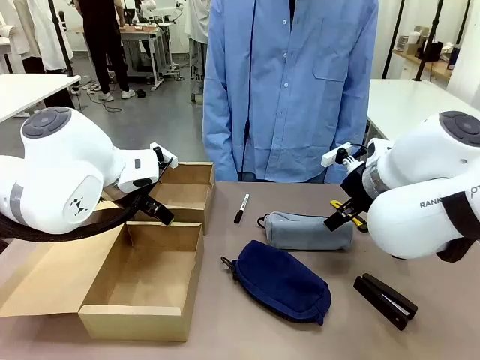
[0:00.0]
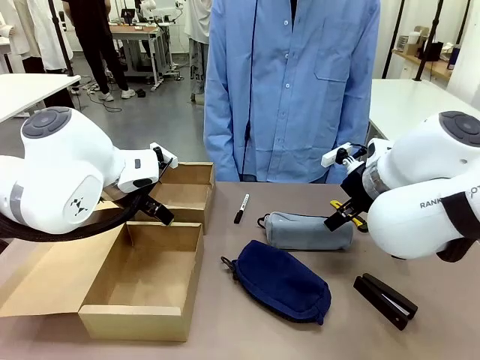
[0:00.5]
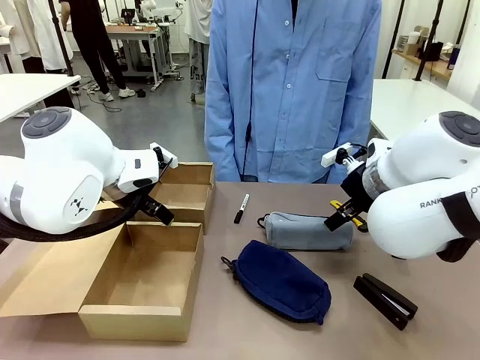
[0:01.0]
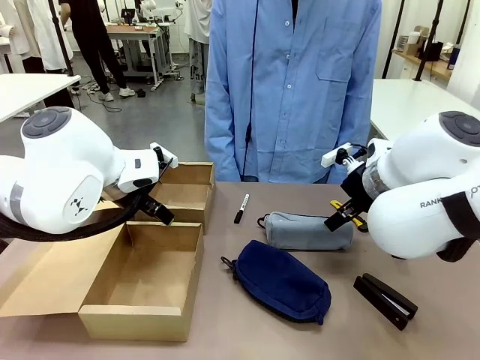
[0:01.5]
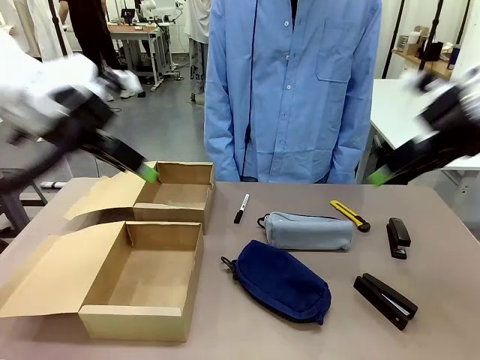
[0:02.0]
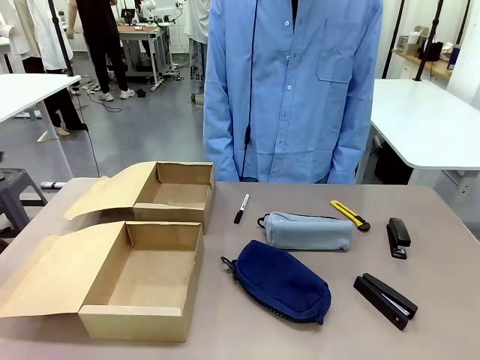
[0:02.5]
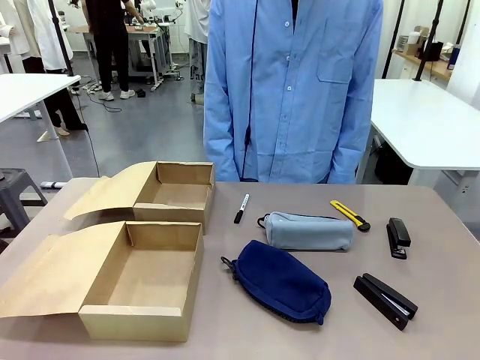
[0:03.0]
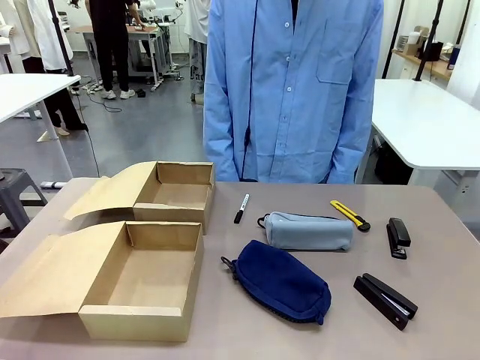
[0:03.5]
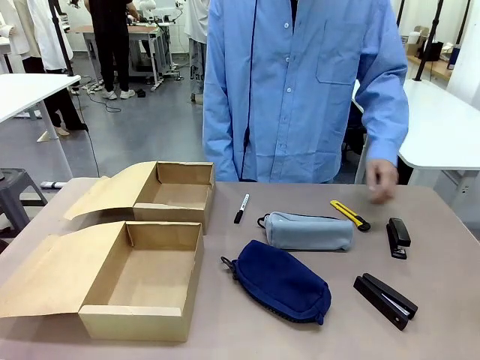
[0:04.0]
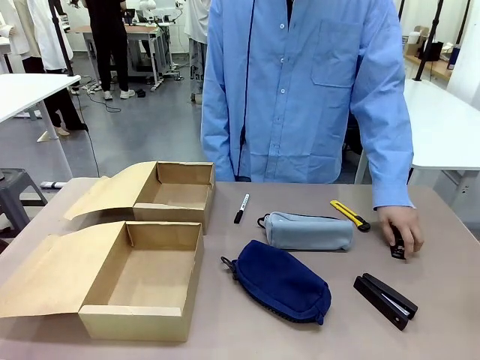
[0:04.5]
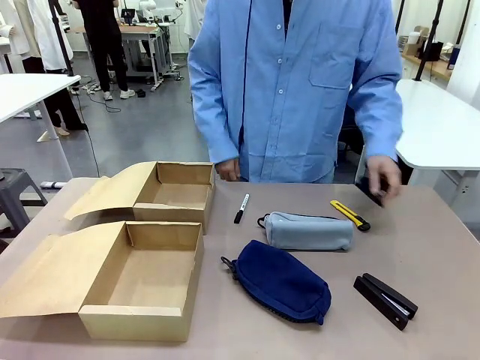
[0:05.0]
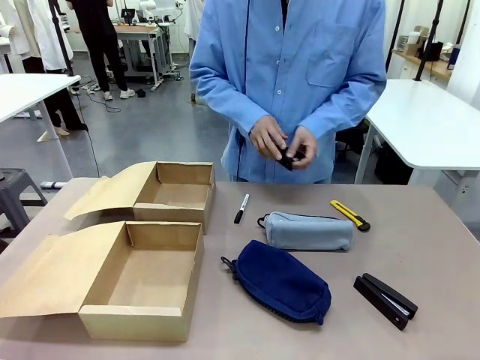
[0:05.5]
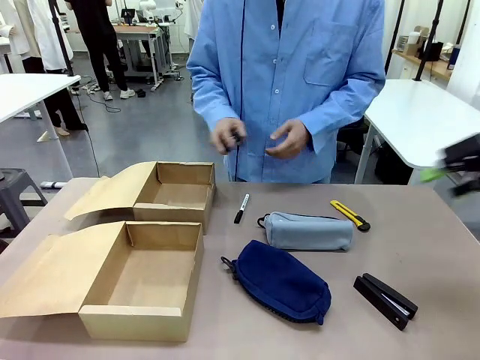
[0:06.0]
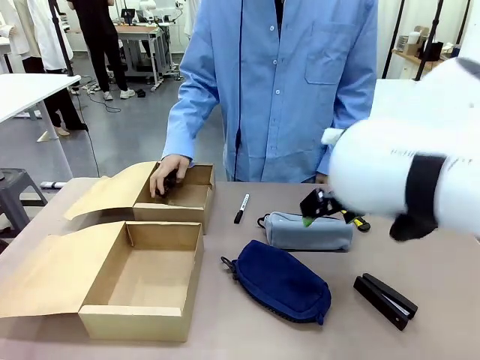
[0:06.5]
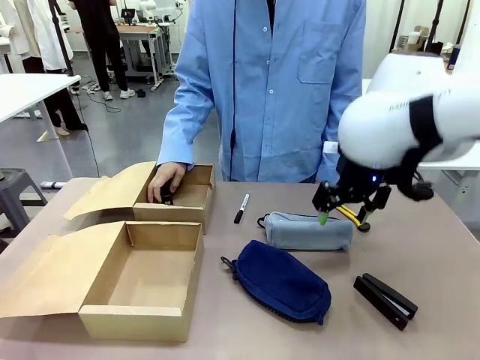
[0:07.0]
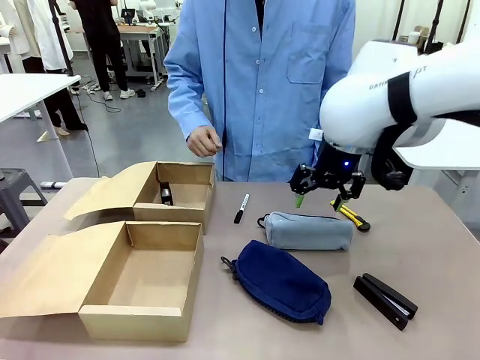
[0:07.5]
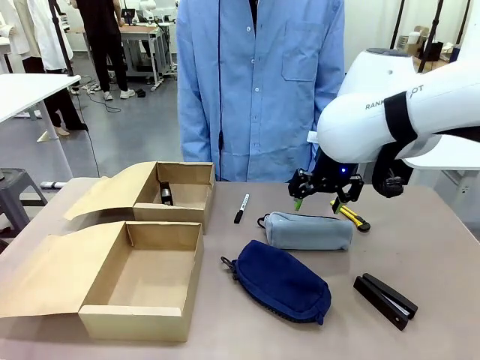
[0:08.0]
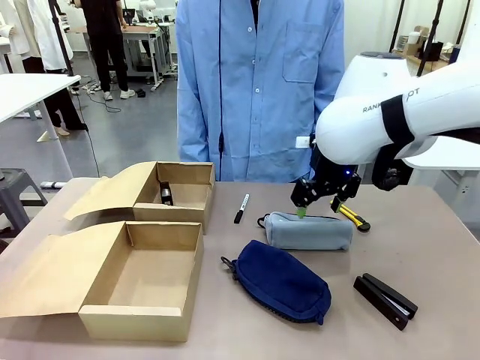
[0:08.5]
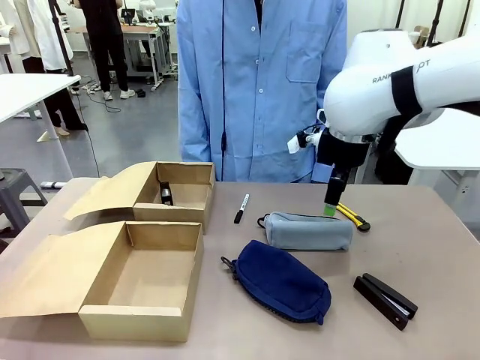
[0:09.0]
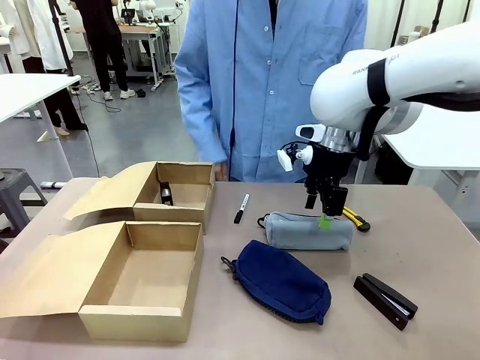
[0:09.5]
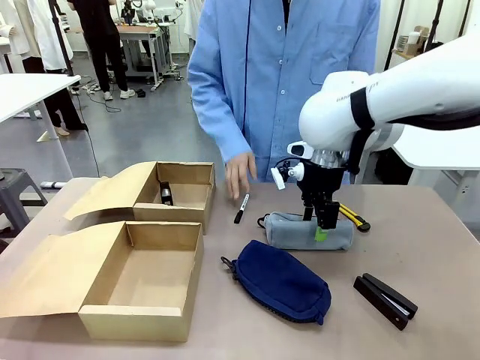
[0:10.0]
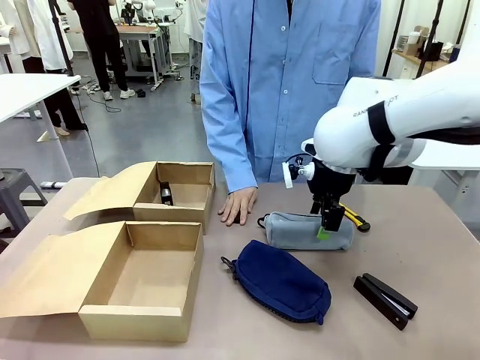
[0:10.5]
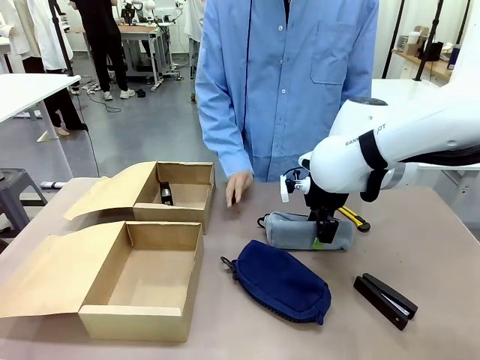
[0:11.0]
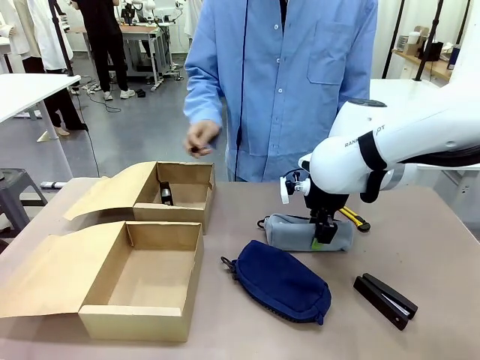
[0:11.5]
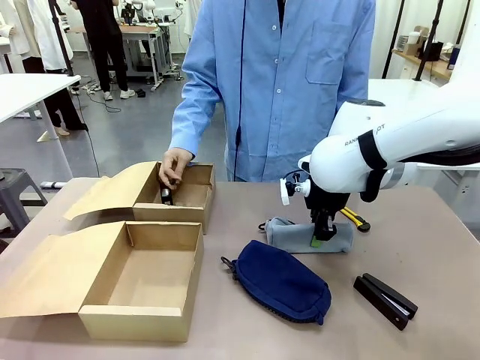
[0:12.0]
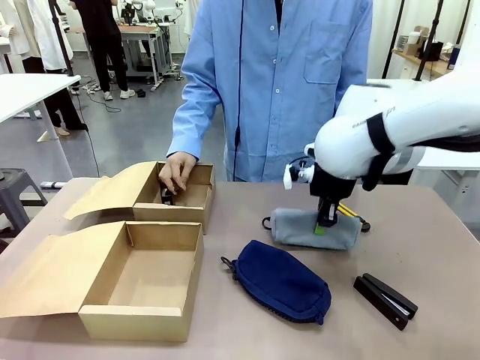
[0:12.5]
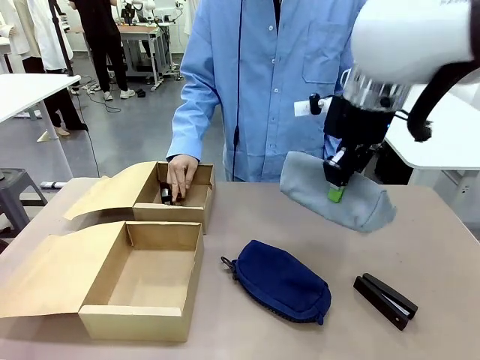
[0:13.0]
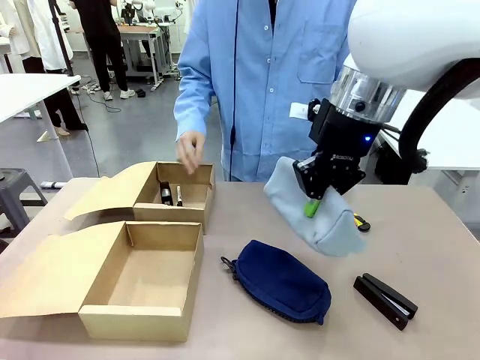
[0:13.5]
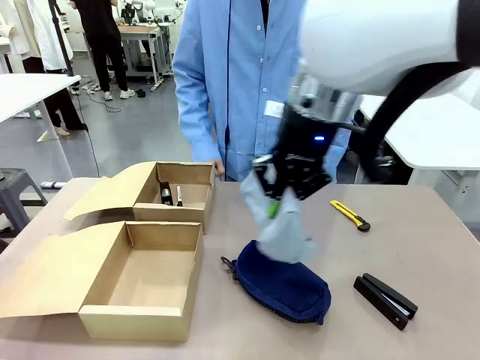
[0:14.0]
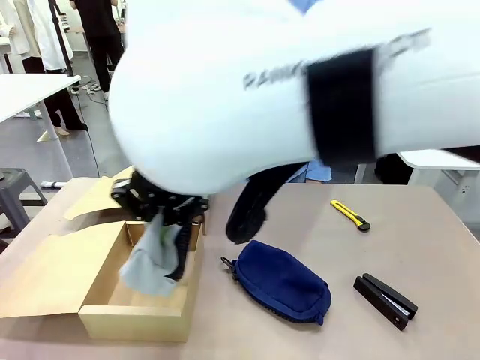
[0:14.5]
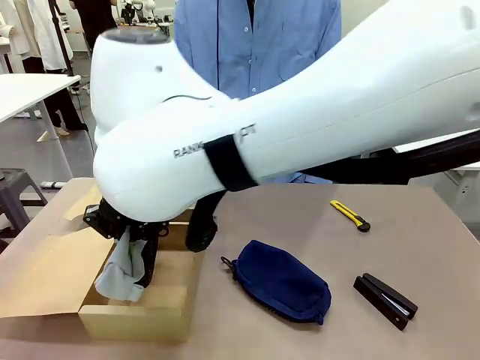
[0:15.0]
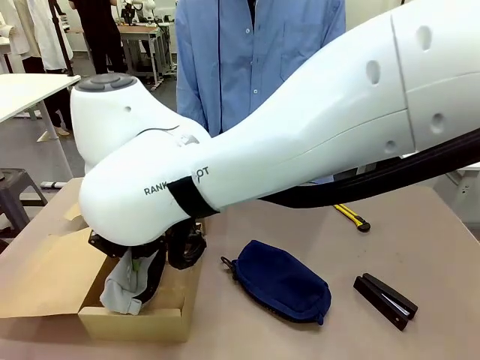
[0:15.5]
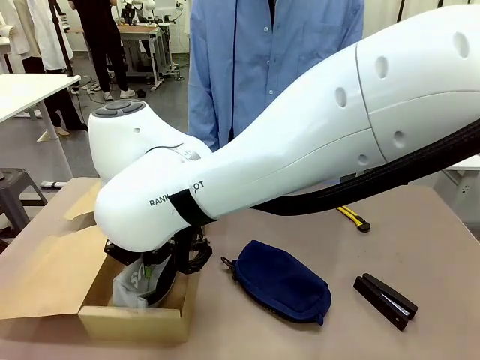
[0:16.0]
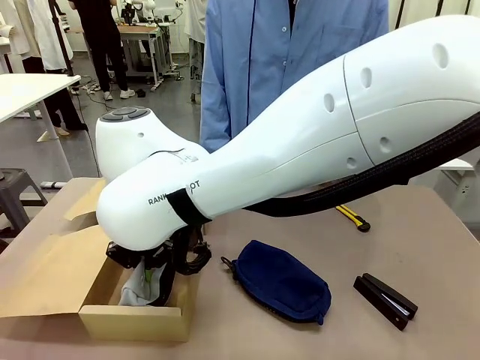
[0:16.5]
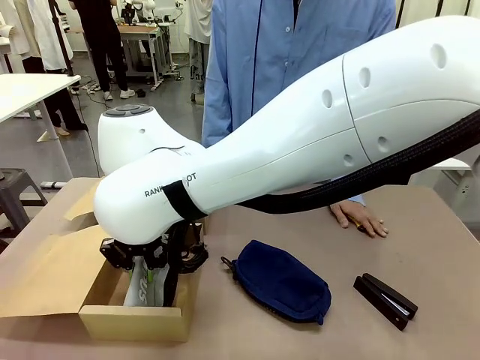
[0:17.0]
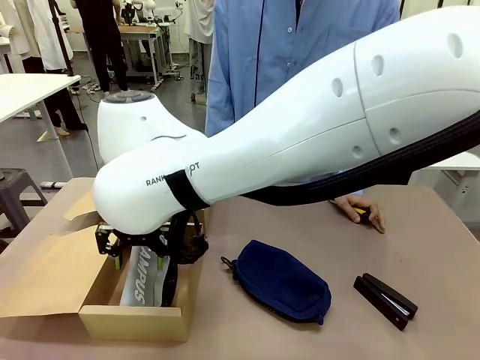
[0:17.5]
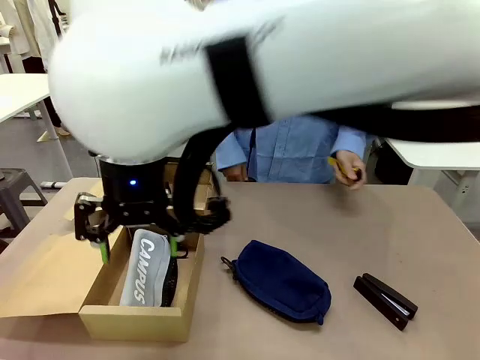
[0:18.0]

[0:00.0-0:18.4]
Task: Place items inside the box.
Robot: Pick up a Pencil pouch or Stapler and place it inside the Mailer Box closest to the robot.
Person: Pick up an object on the table and put it in the box.
